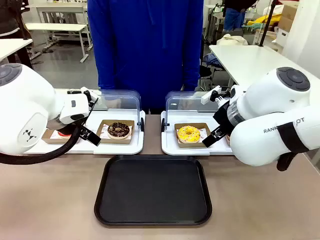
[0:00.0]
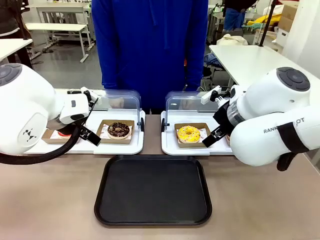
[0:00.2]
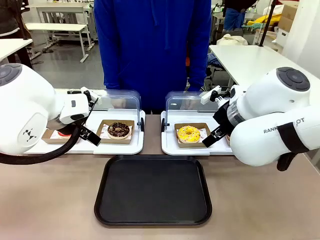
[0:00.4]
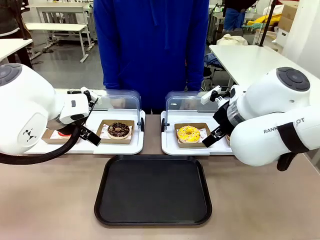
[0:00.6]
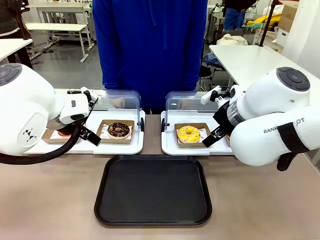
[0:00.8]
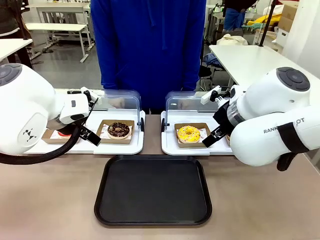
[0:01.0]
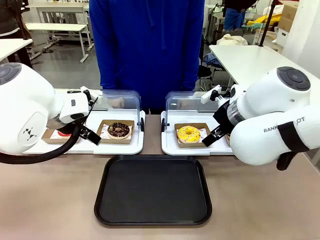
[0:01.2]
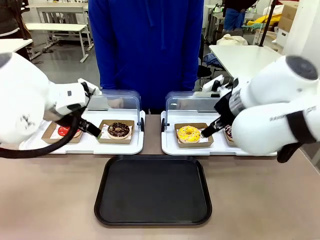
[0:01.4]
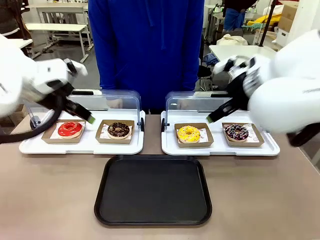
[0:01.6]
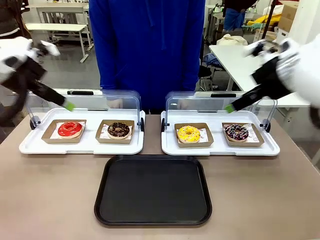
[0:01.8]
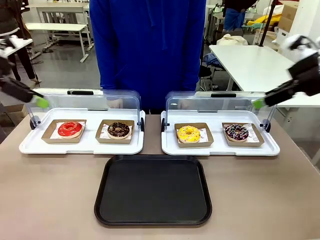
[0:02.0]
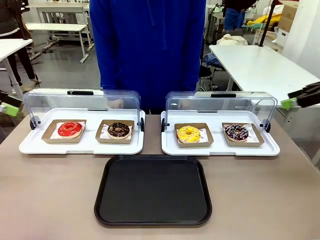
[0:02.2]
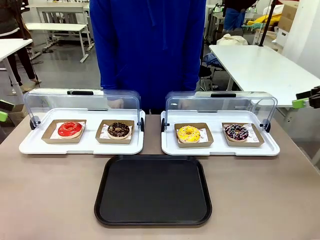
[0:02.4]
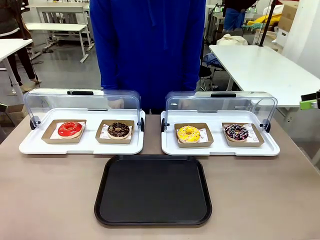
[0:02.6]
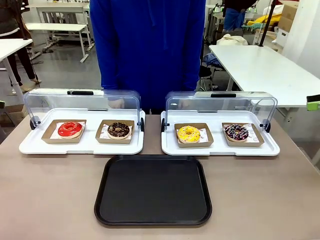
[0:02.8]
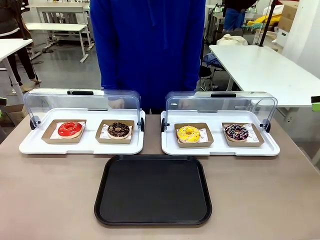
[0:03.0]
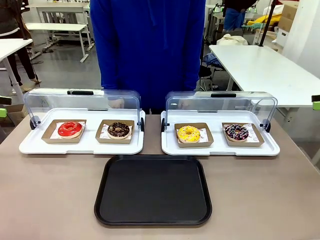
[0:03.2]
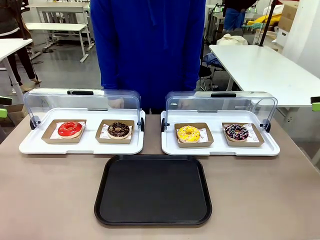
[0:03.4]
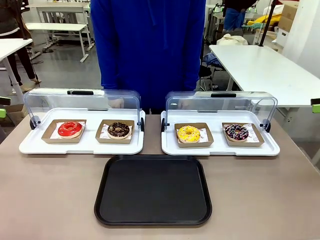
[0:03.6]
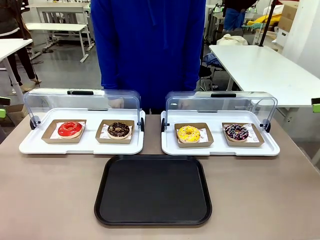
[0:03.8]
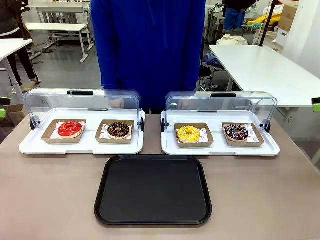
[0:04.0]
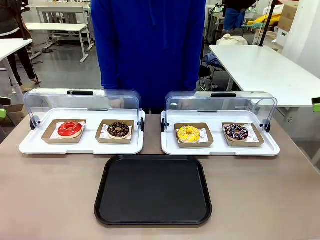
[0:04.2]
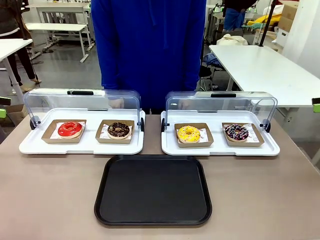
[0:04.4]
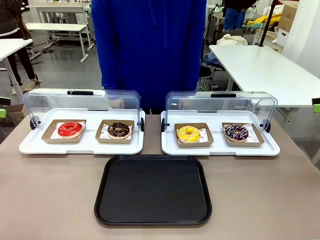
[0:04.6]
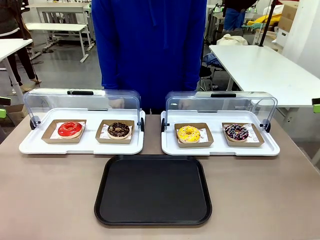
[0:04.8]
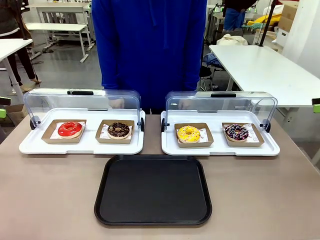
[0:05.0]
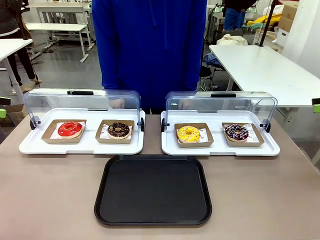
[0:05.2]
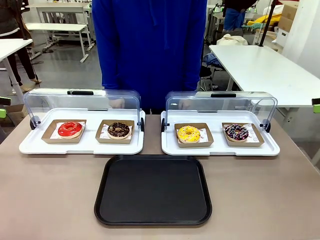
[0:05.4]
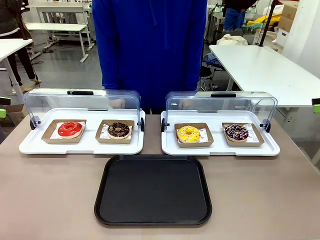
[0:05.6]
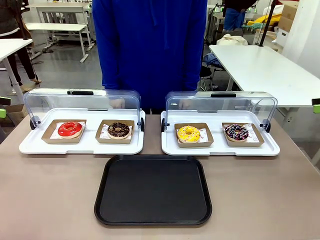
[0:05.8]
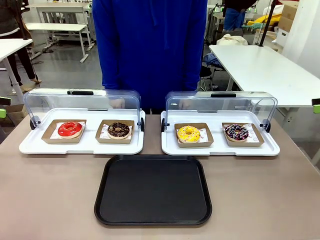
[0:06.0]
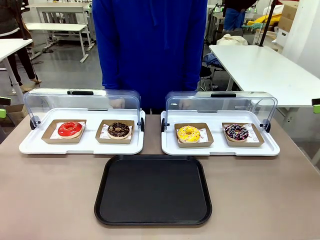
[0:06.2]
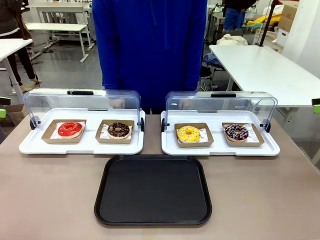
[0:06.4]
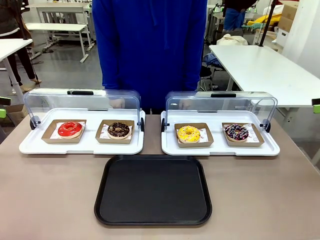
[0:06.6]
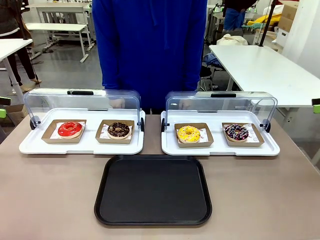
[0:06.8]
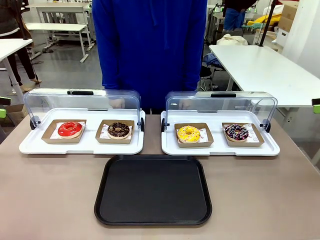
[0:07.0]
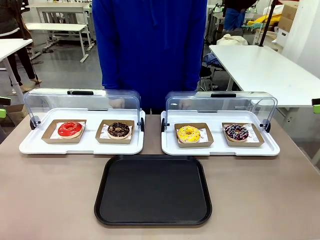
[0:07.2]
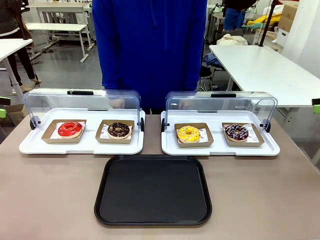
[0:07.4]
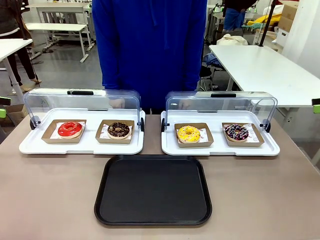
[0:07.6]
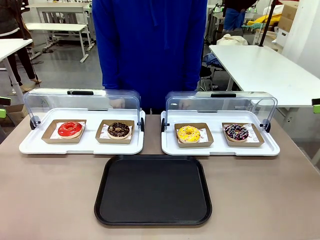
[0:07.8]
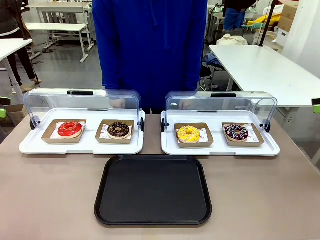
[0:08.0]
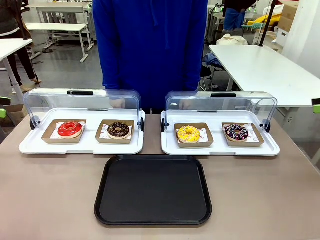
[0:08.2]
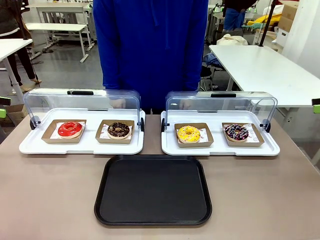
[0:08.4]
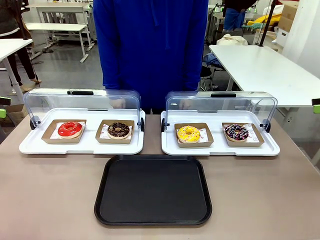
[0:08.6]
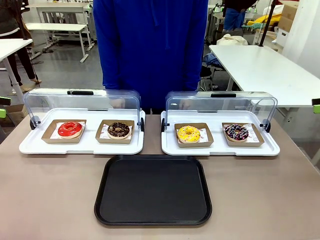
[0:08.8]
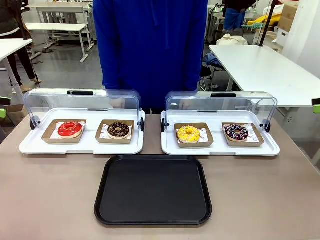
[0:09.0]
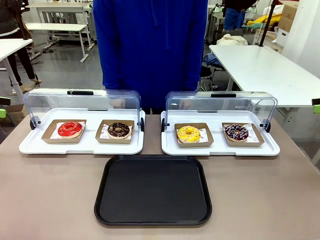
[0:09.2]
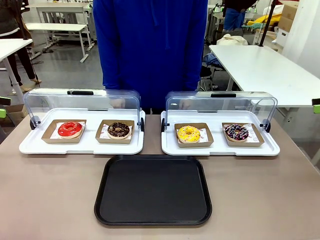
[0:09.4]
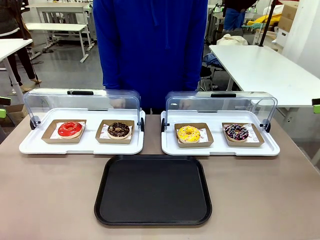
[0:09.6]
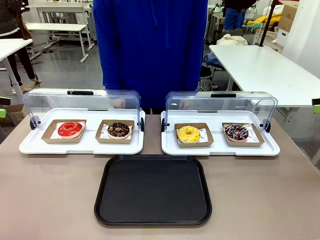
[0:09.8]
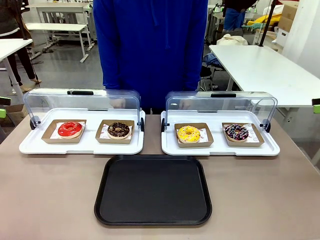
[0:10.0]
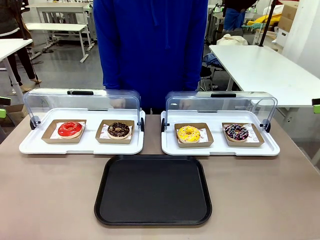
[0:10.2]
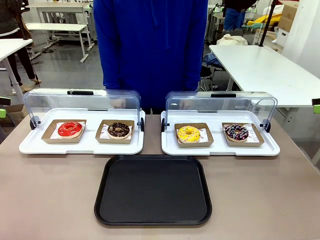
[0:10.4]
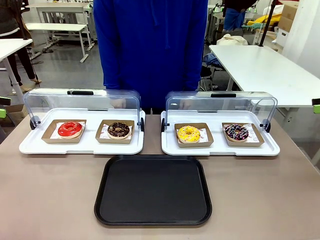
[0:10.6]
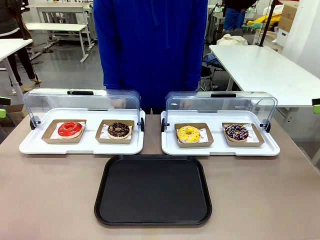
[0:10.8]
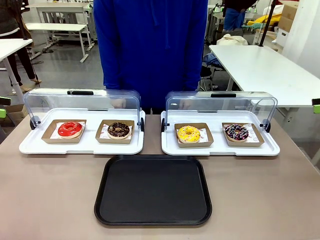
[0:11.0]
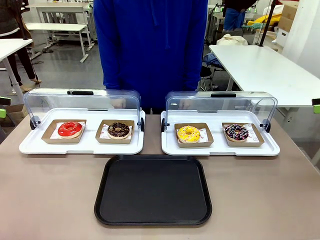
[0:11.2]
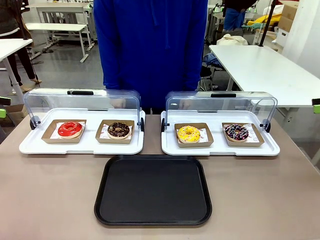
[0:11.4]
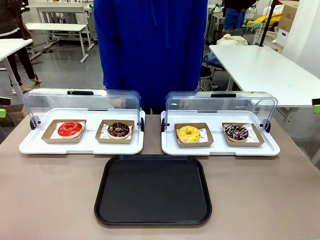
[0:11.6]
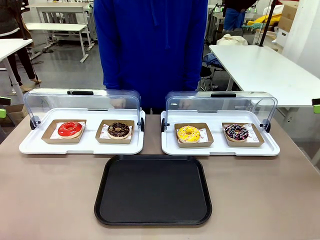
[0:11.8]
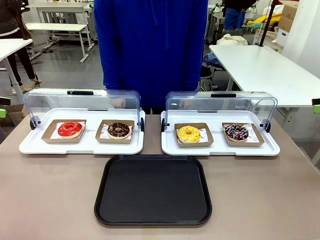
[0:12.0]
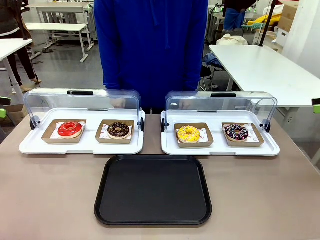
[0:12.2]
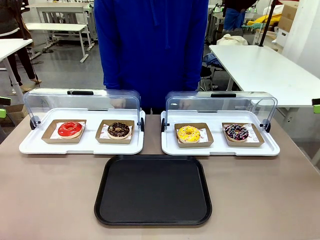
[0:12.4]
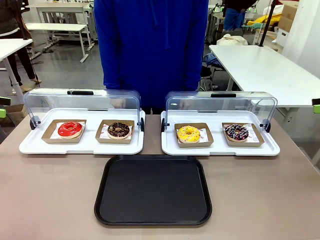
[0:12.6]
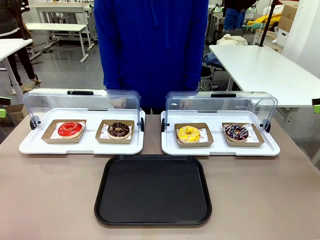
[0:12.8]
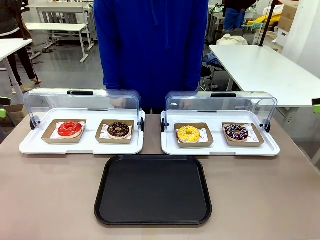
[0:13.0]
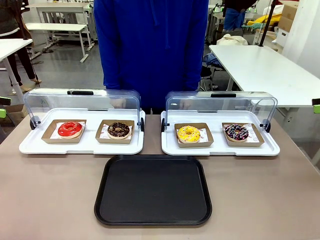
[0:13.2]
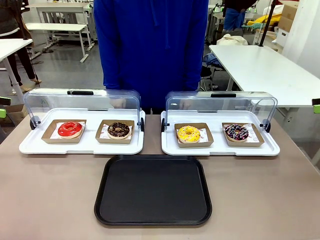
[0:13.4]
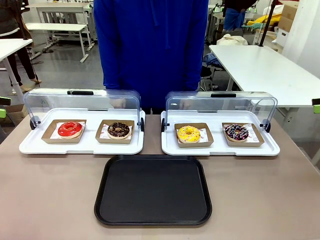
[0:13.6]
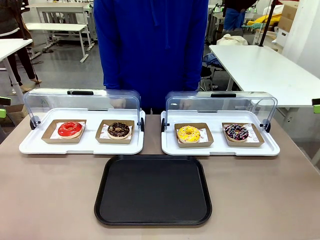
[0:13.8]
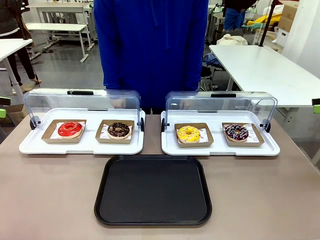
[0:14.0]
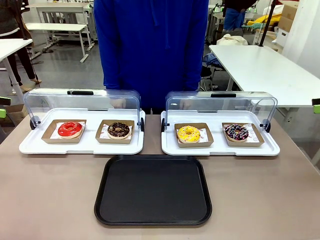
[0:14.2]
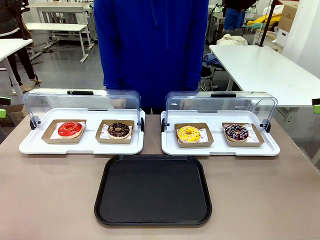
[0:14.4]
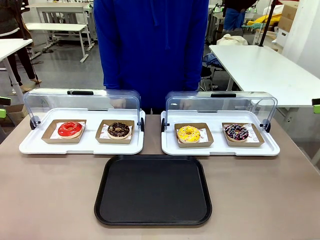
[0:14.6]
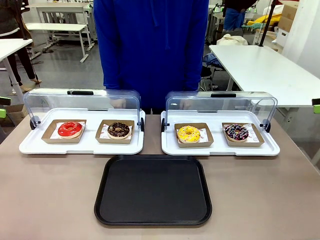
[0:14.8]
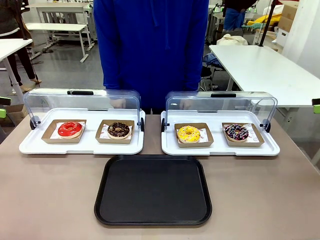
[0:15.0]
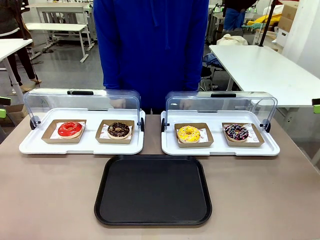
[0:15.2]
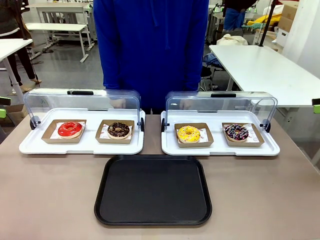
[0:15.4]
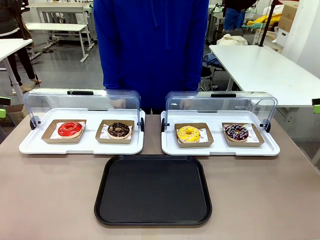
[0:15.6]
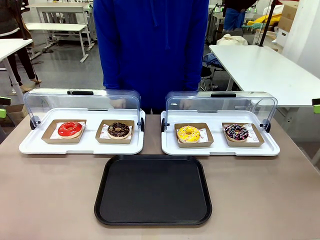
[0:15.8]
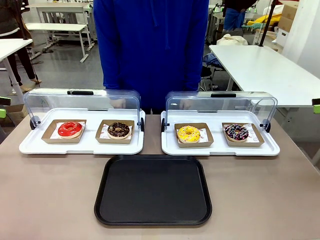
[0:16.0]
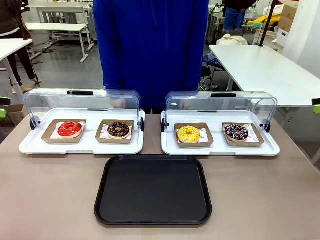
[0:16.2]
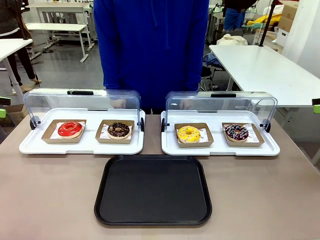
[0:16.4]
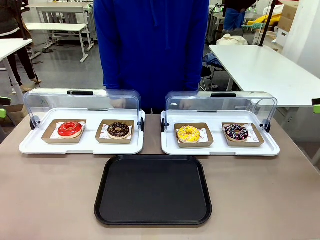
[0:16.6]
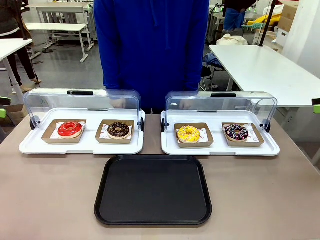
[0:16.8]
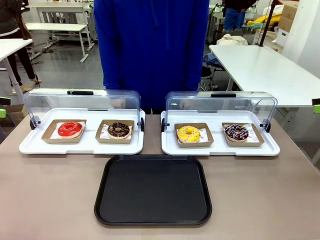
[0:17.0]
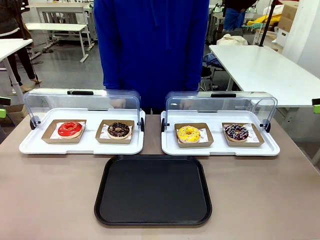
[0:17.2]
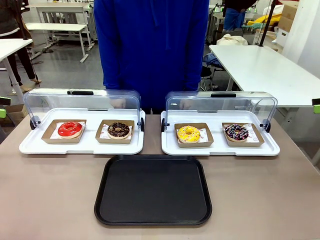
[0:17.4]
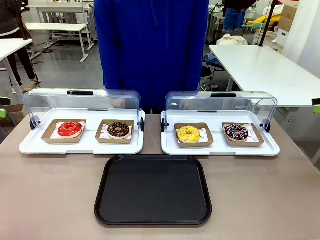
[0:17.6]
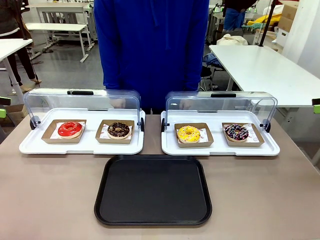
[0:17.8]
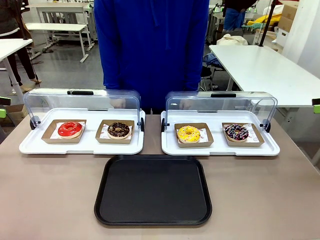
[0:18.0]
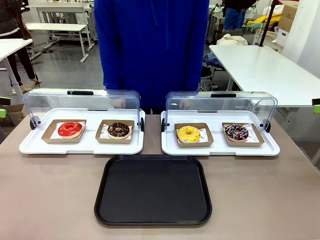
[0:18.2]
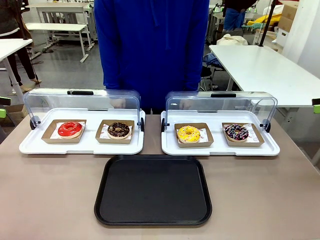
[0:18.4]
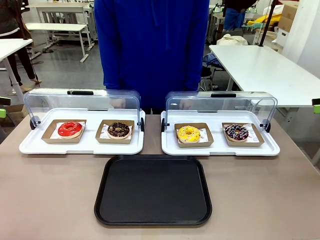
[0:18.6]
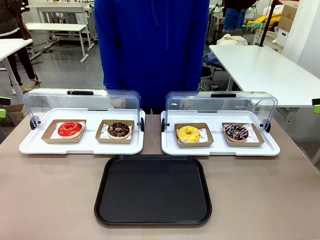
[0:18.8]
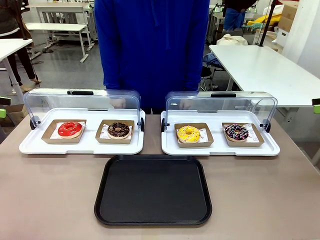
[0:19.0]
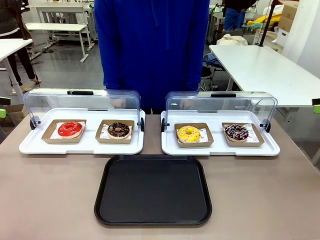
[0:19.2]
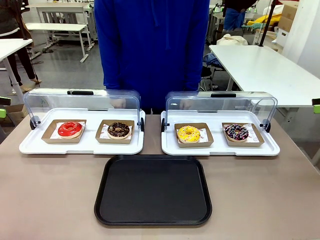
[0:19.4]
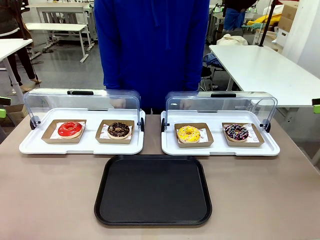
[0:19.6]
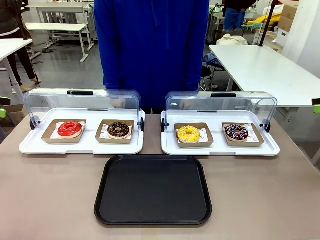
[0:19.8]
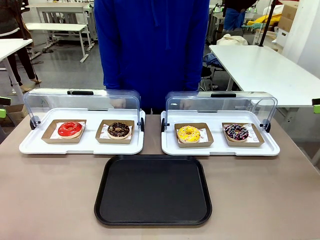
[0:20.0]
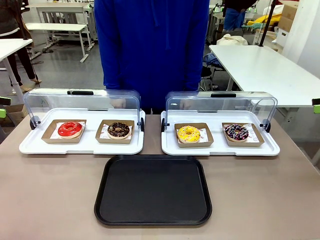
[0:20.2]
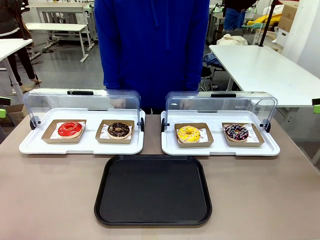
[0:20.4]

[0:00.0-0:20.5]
Task: Move the third donut from the left to the tray.
Robot: Pick up the Paper togo box containing the Donut indicated by the person and place it on the Handle tray.
